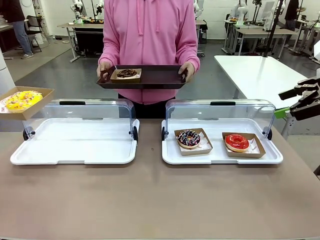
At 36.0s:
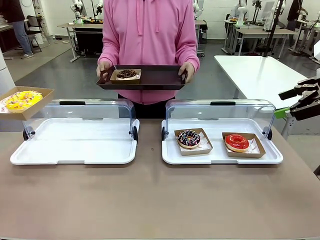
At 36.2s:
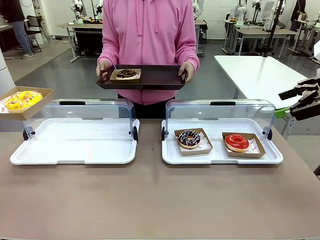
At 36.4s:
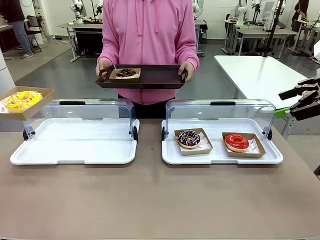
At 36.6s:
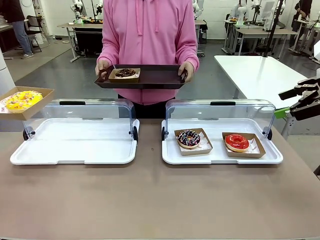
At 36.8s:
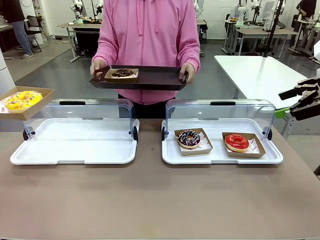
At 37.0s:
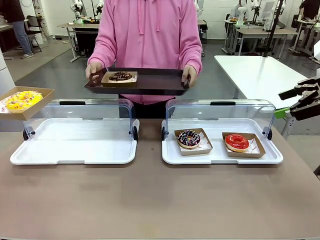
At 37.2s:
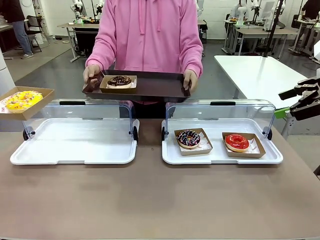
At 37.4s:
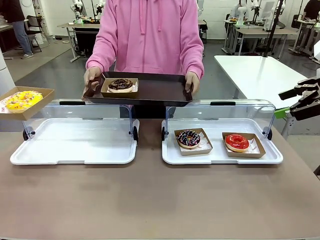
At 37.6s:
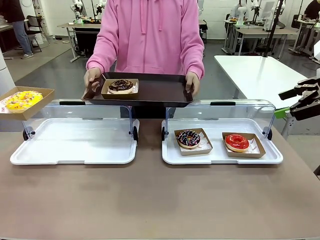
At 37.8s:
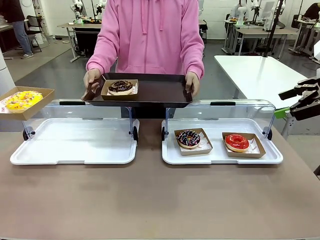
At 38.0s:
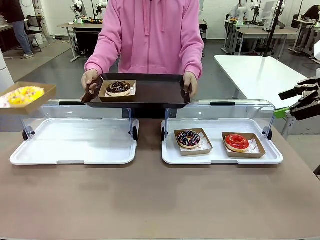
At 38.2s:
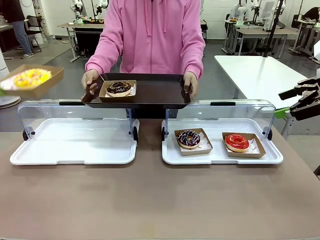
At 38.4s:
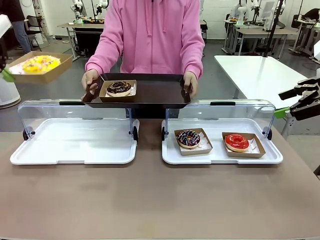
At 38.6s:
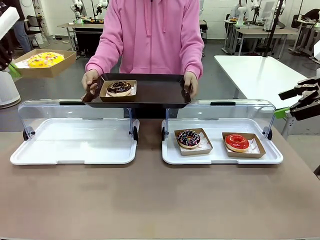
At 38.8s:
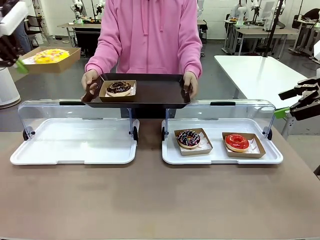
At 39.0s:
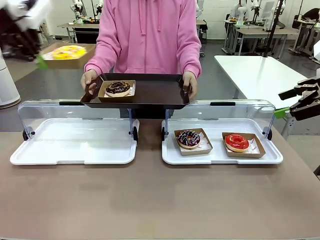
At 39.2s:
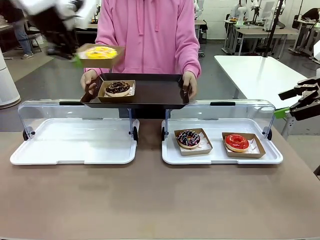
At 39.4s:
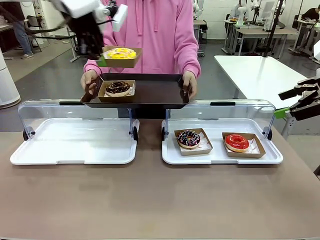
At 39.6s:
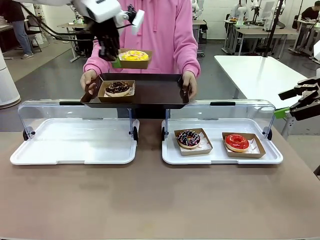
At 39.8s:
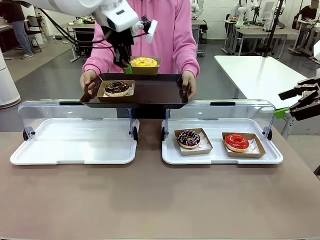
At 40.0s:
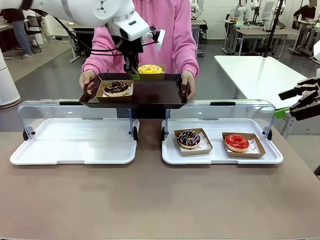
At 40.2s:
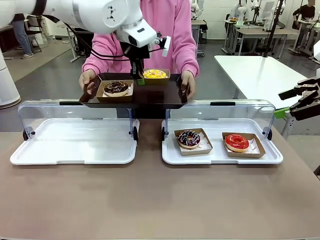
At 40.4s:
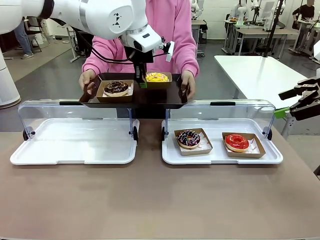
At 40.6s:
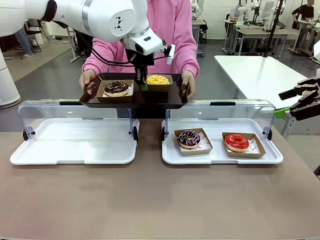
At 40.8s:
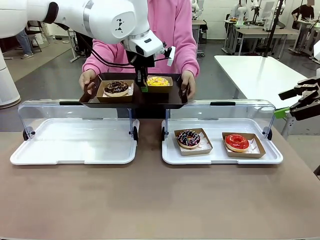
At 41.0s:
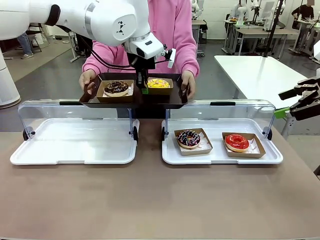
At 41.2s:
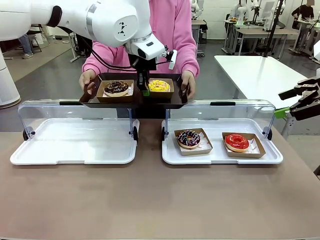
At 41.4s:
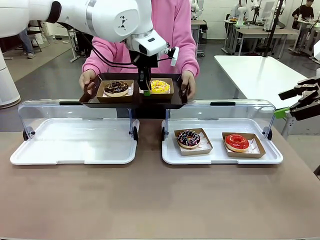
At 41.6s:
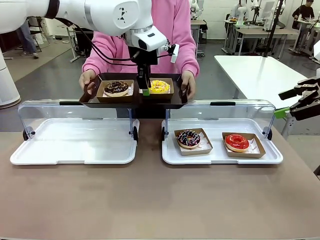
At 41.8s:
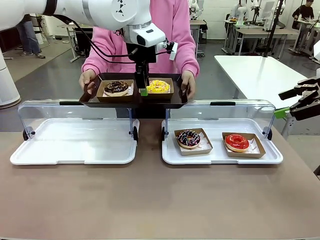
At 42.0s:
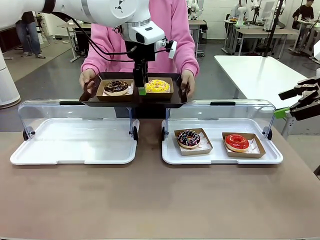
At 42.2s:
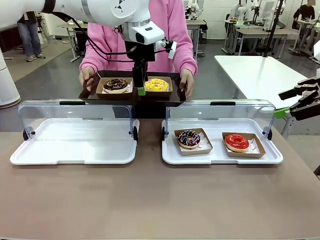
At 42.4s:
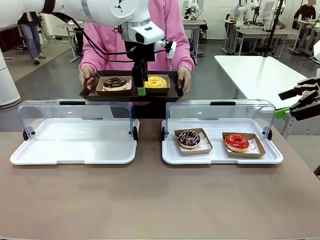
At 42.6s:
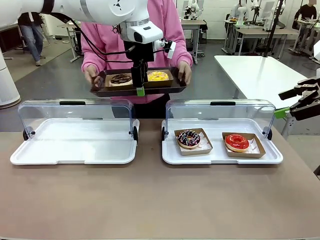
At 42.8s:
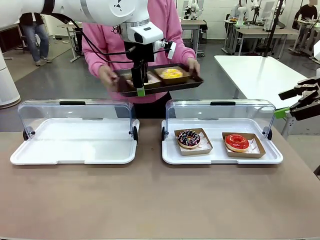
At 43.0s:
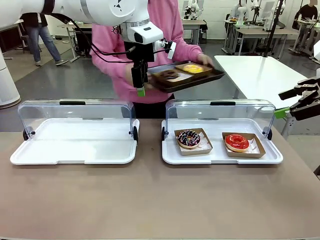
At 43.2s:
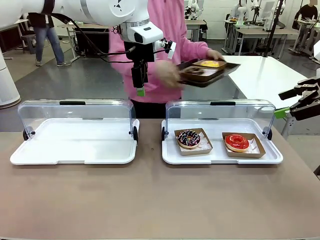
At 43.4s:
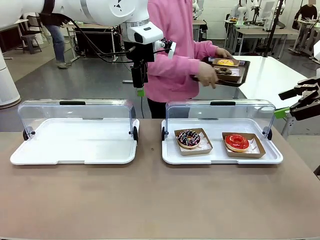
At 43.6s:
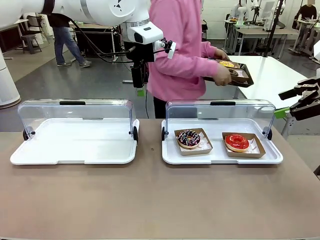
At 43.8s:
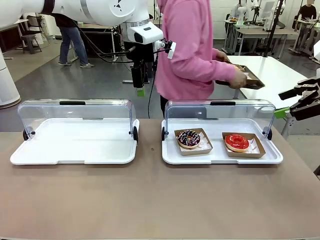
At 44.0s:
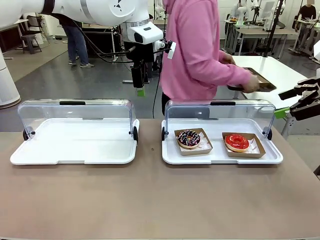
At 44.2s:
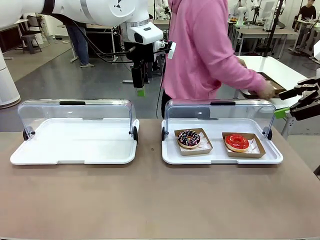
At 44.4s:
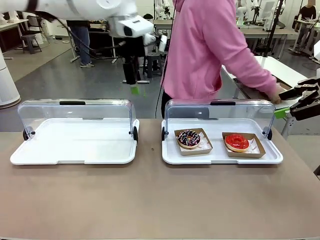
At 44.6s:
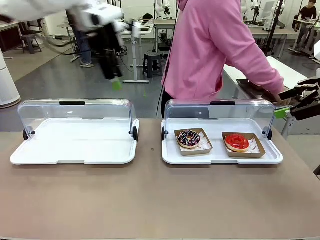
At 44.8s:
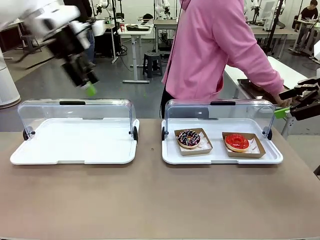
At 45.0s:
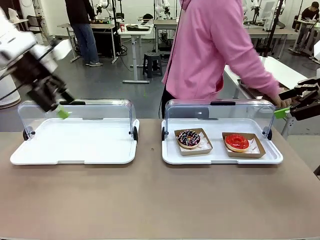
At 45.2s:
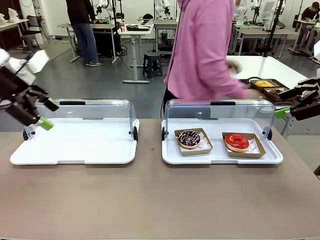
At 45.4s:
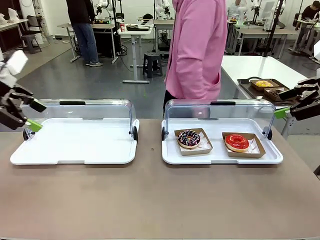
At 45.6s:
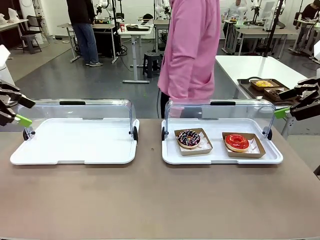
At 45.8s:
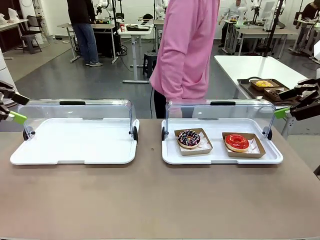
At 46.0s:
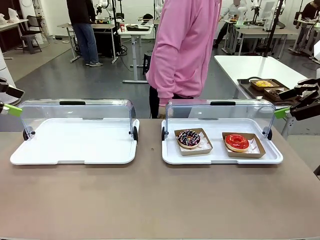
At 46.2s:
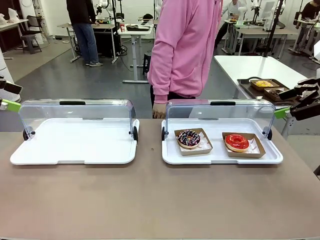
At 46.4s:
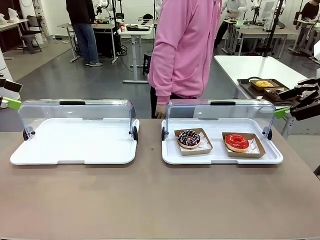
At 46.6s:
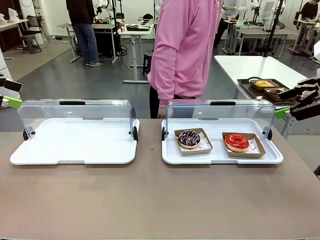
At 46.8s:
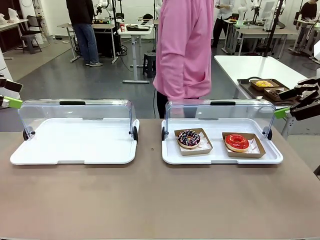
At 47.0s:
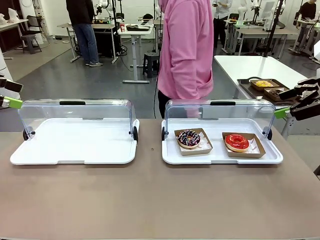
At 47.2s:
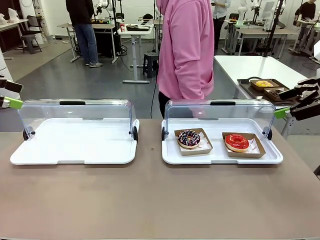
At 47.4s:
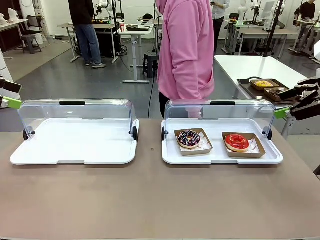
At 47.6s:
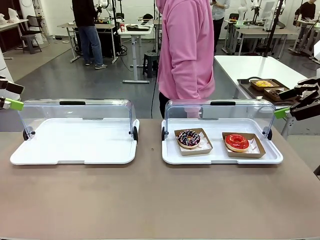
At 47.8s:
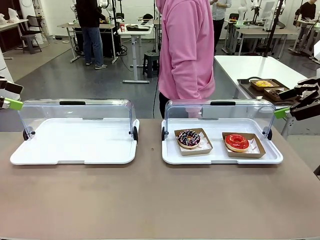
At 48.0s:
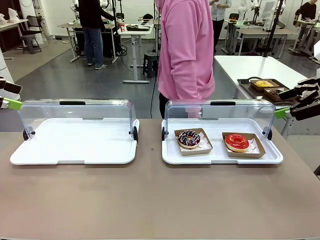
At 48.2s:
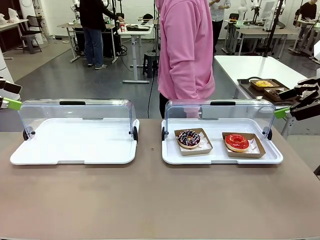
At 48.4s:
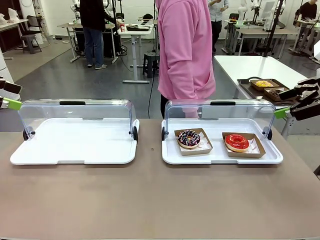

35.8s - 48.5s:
Task: Provide the desired donut to the person.
Robot: Place the picked Paper togo box onto the Handle tray extended by the person.
Person: Place the tray in the middle of the human table.
